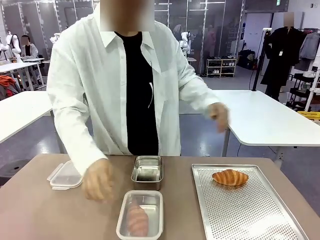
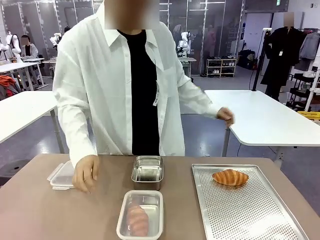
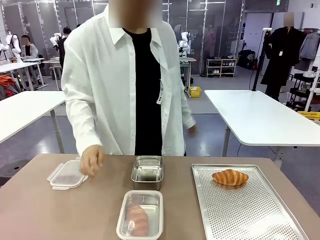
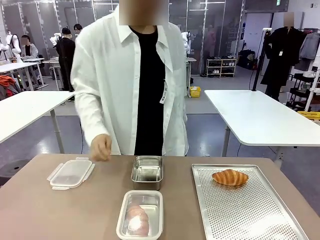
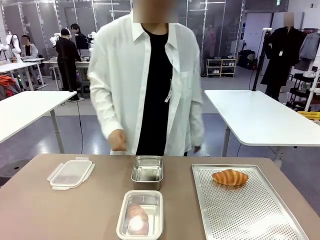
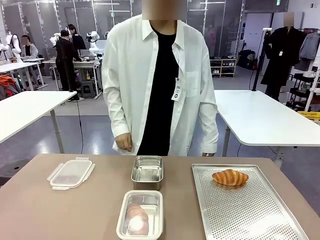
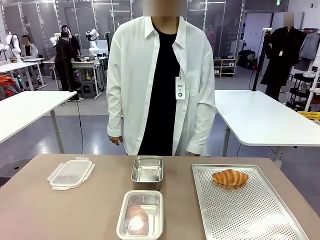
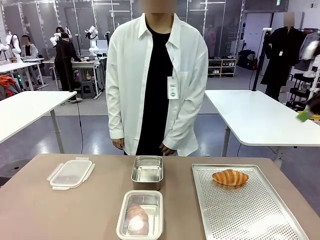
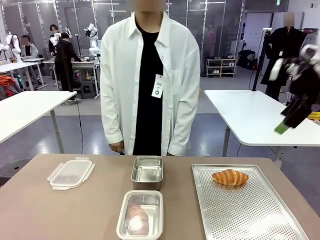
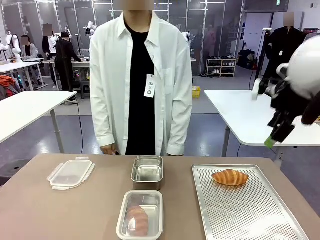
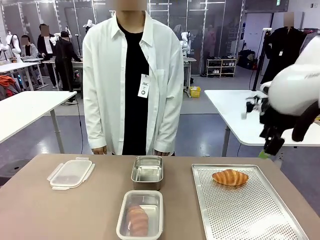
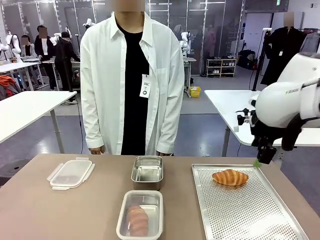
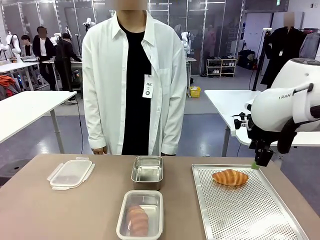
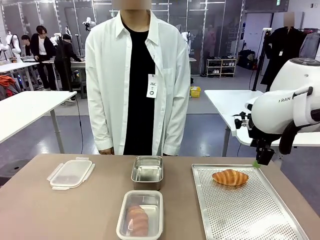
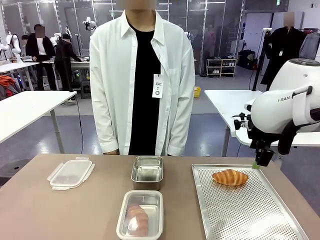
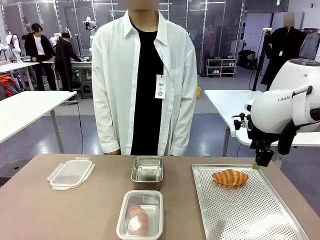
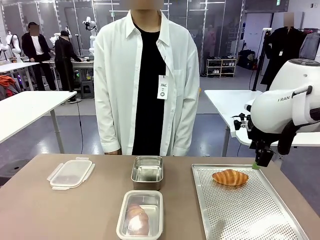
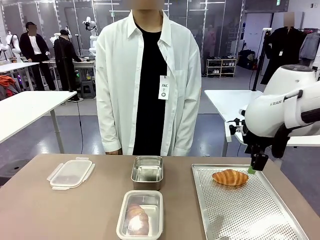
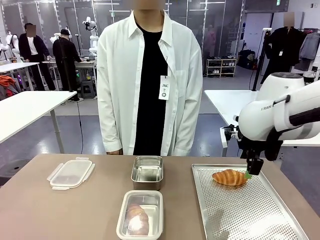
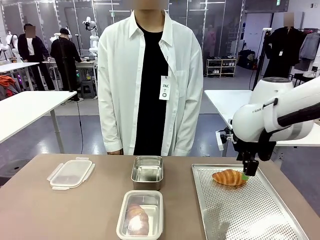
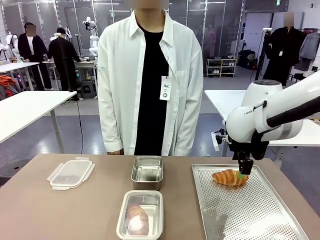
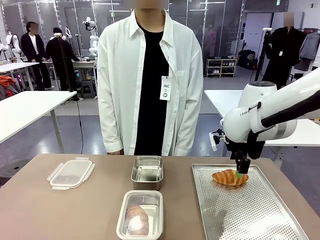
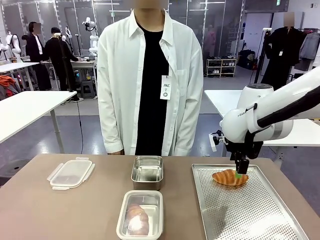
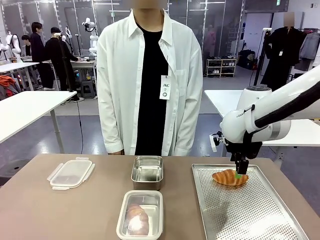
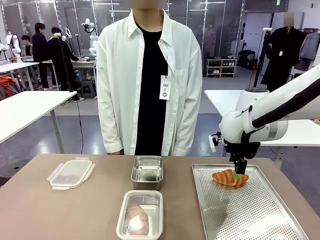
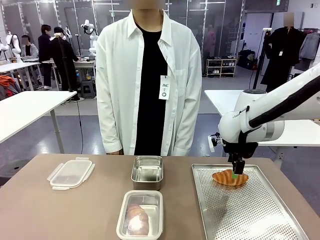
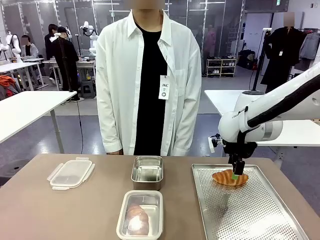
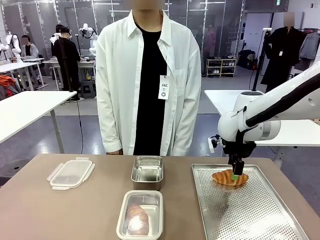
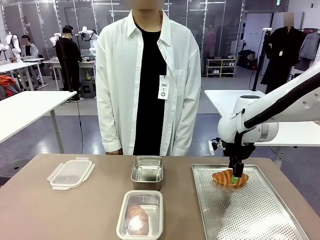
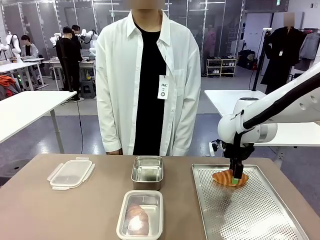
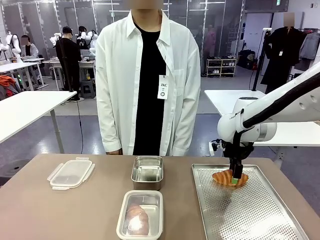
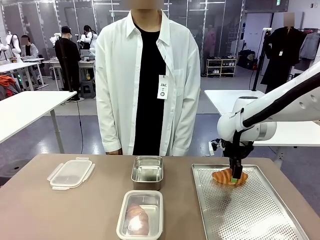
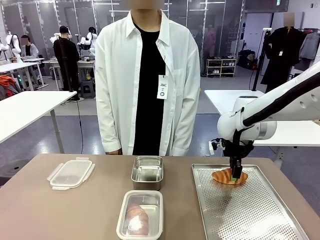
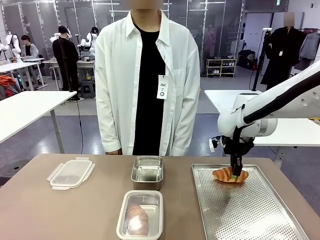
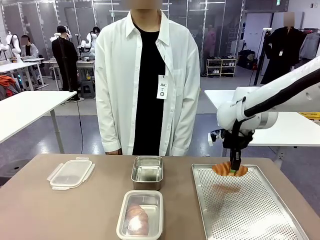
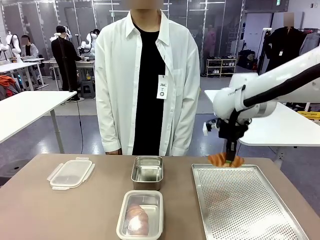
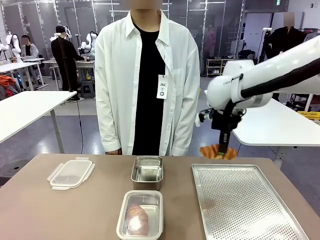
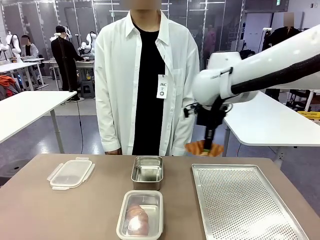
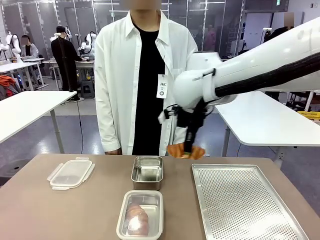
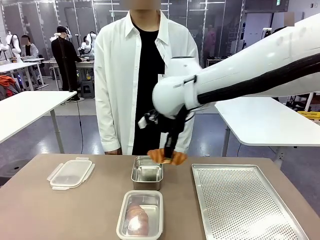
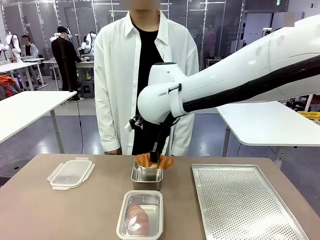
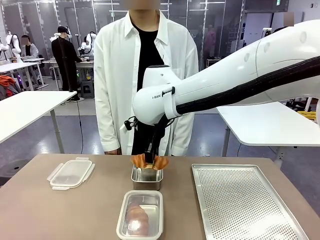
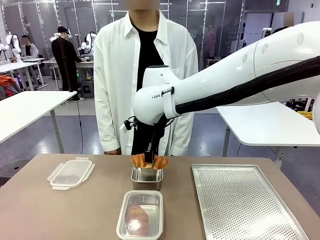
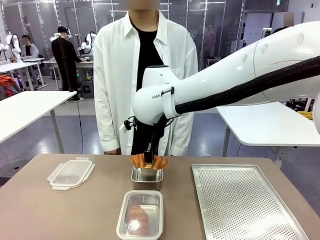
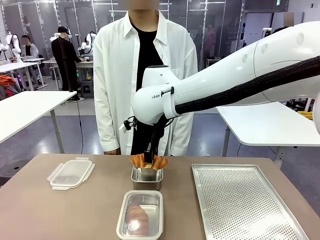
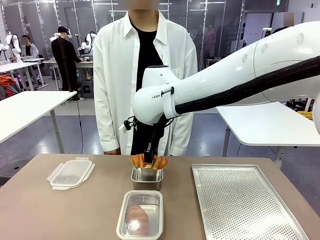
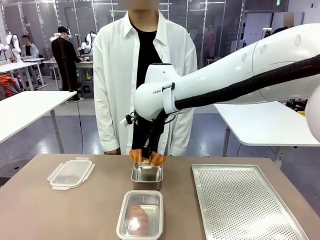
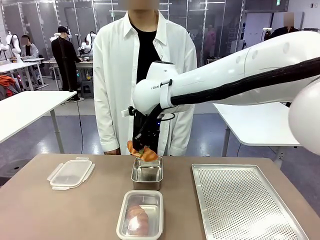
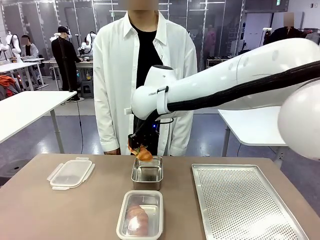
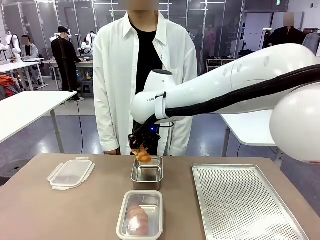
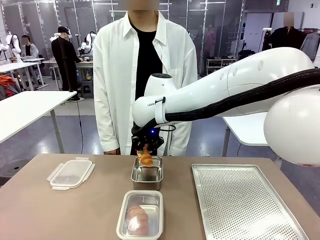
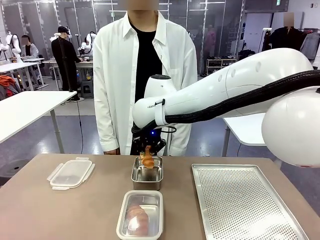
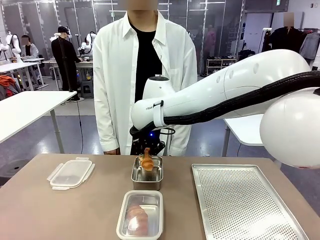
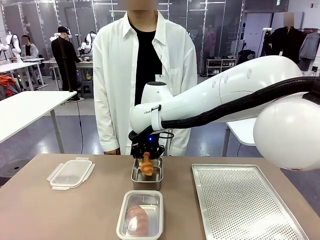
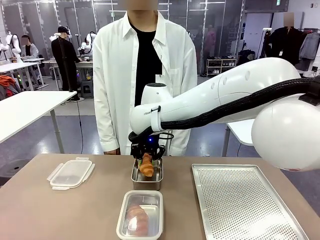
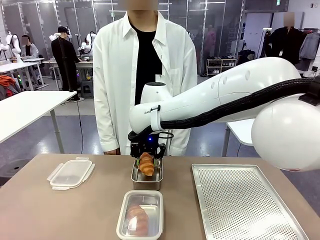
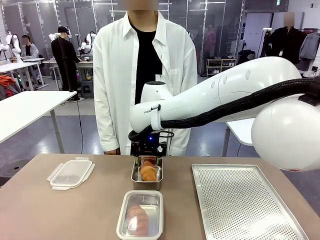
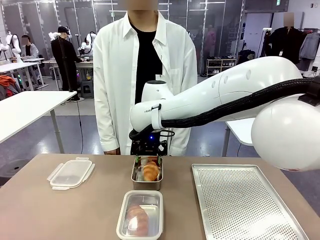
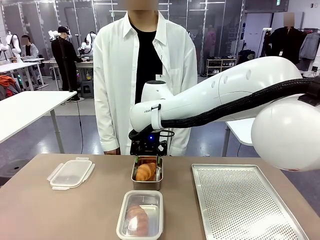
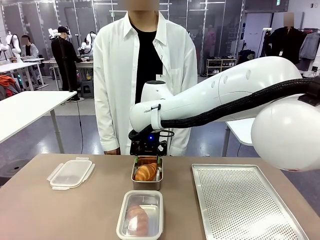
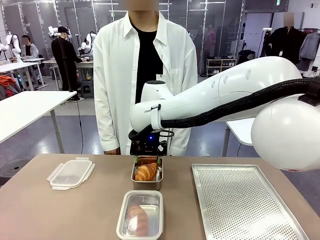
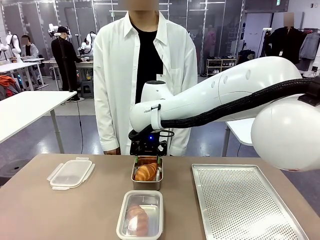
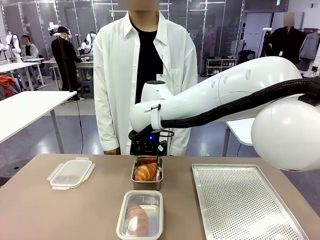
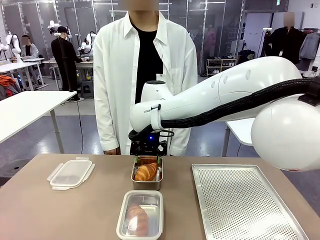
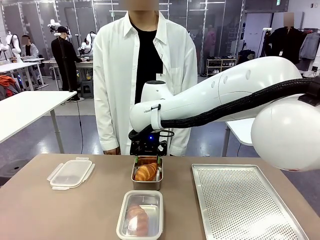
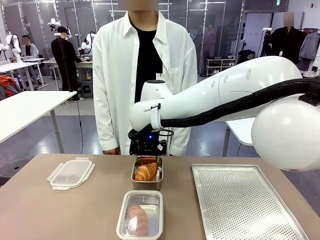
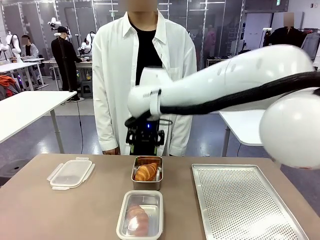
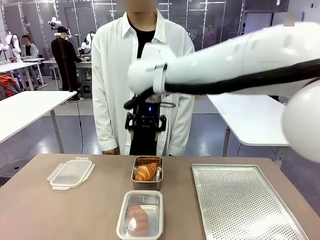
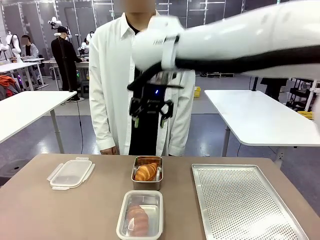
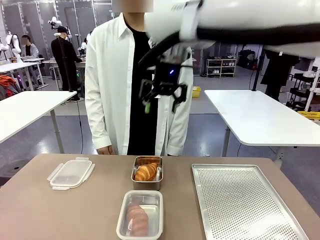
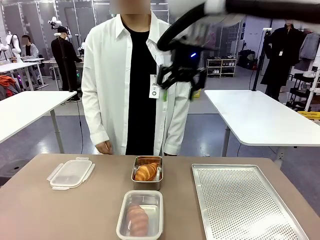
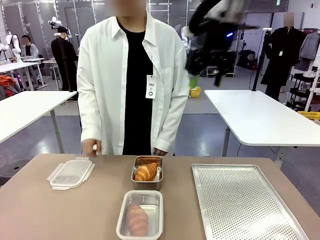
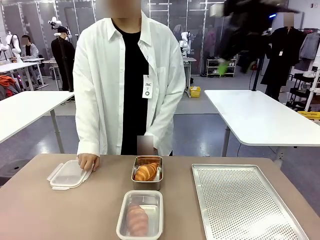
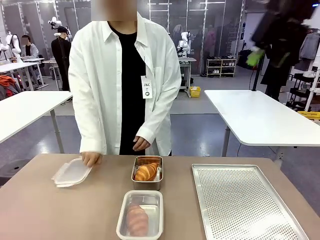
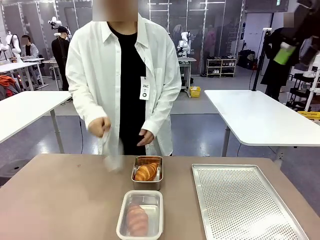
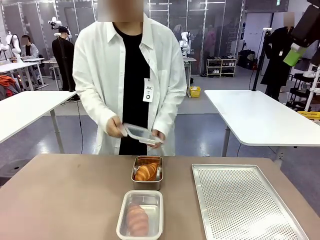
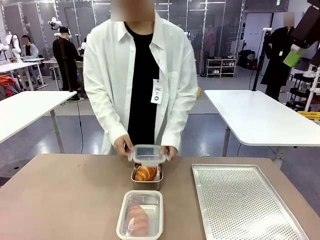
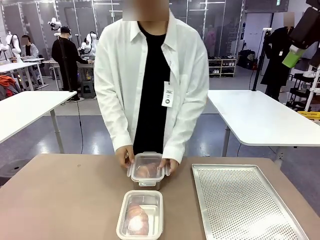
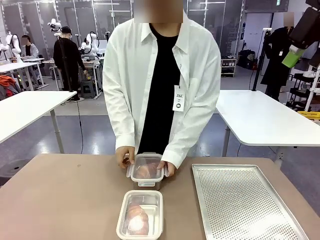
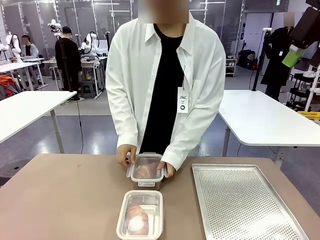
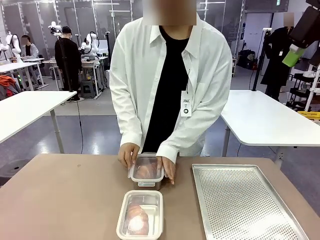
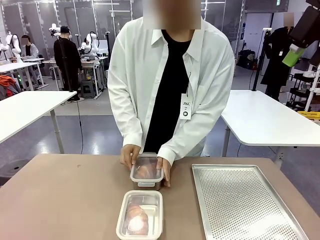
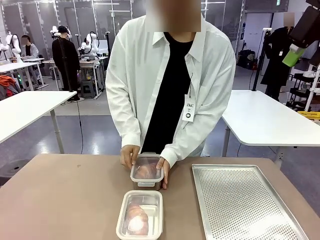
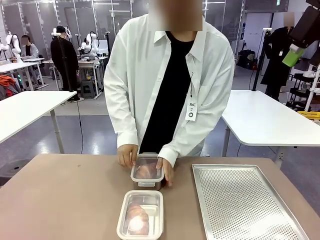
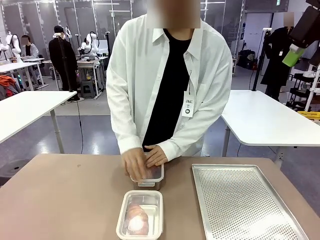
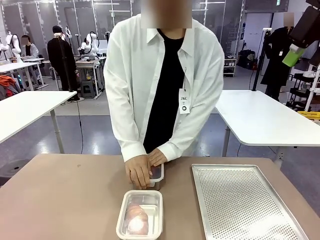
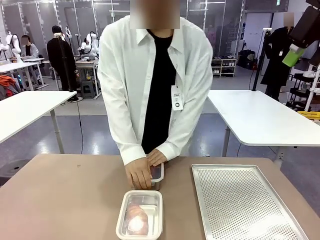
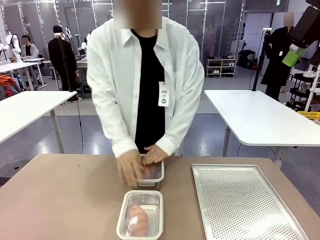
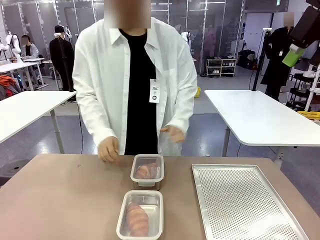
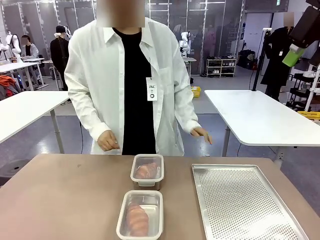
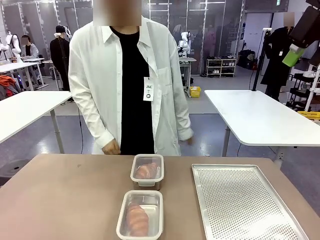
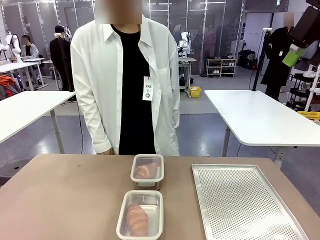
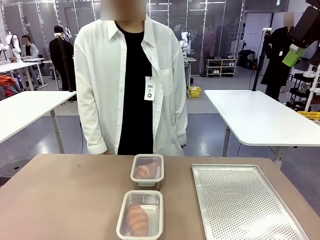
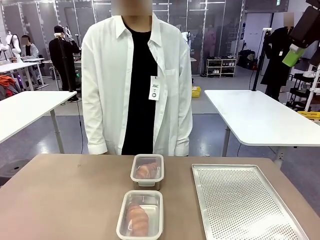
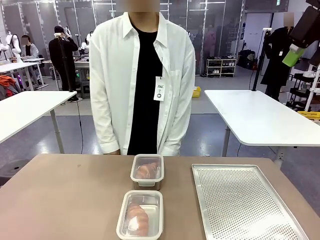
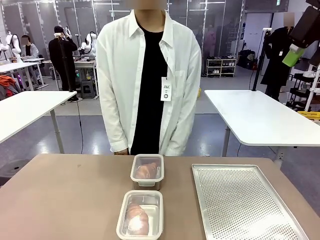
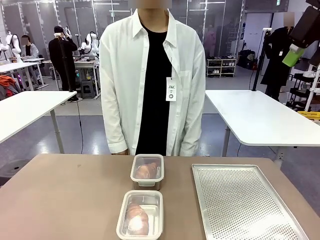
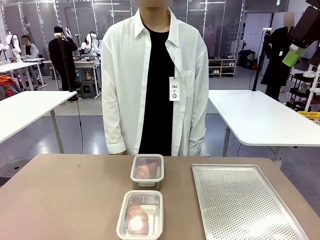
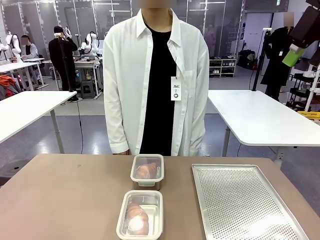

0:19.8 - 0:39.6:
Task: Place the bread into the airtight container.
Robot: Pick up a Butter Roll and place it into an empty Airtight Container.
